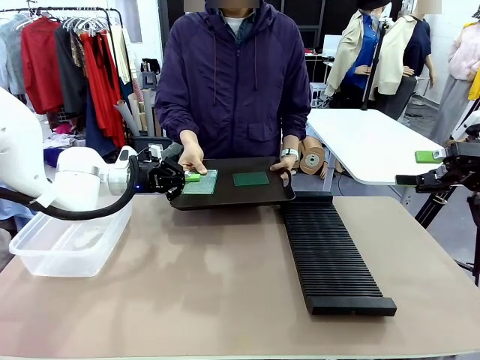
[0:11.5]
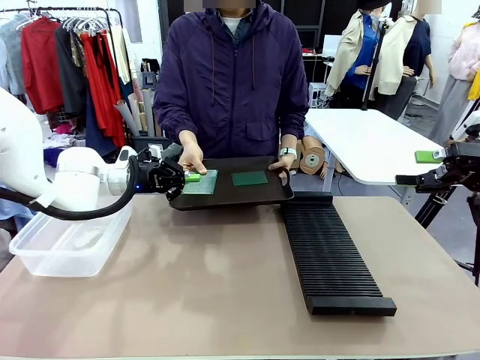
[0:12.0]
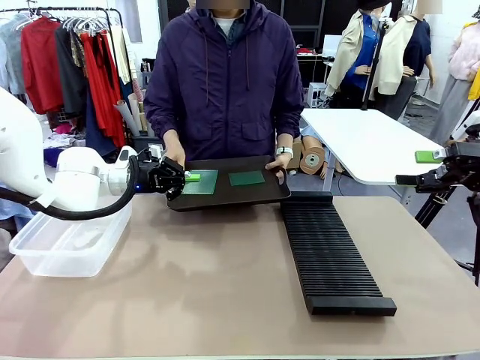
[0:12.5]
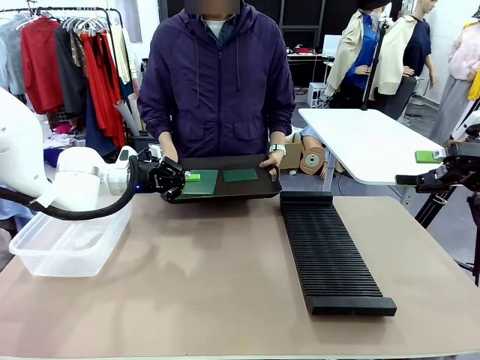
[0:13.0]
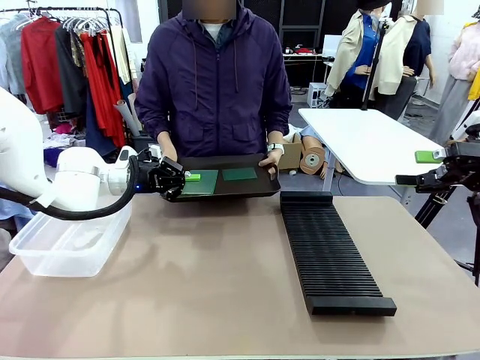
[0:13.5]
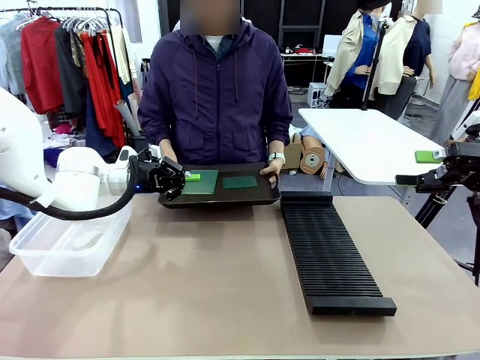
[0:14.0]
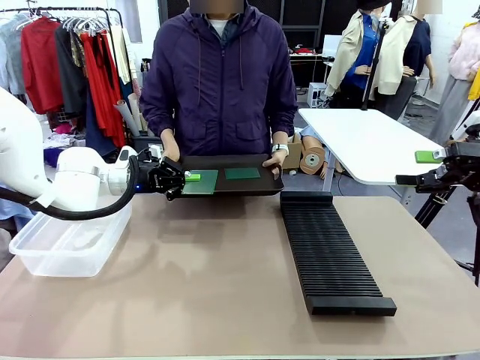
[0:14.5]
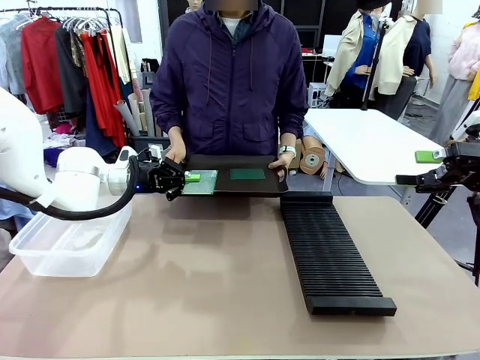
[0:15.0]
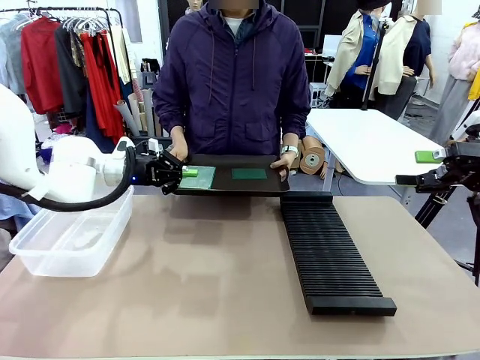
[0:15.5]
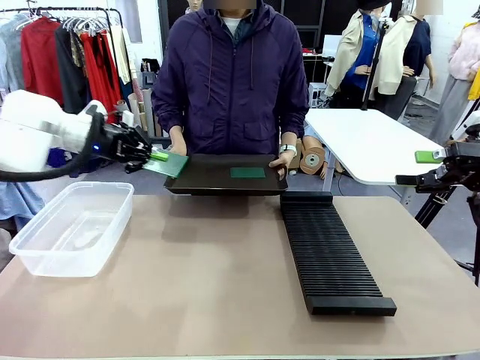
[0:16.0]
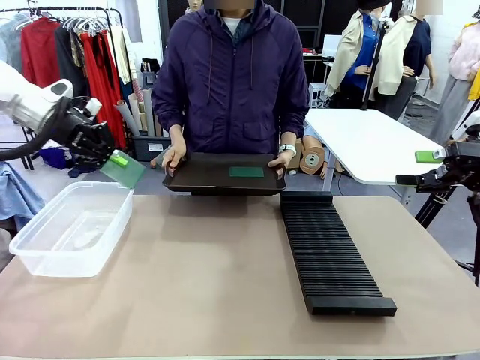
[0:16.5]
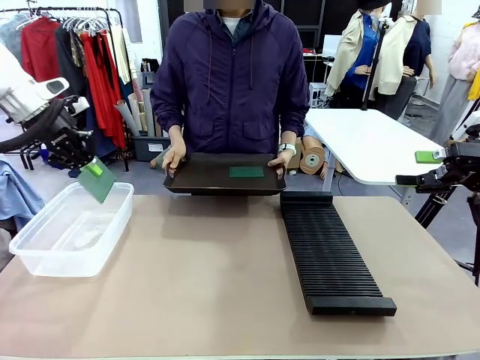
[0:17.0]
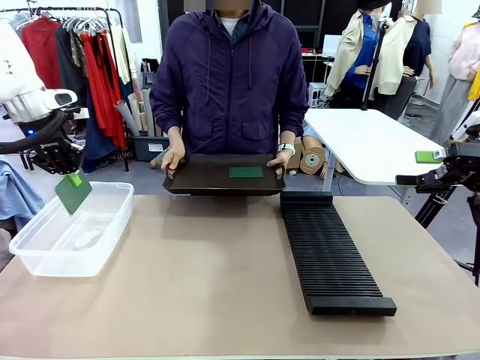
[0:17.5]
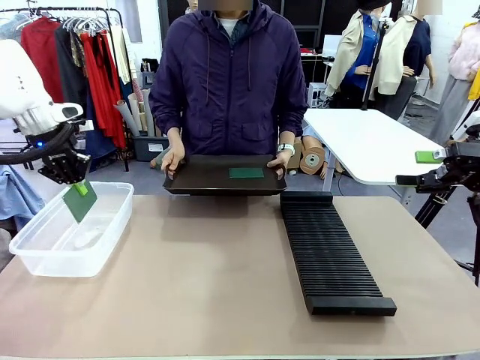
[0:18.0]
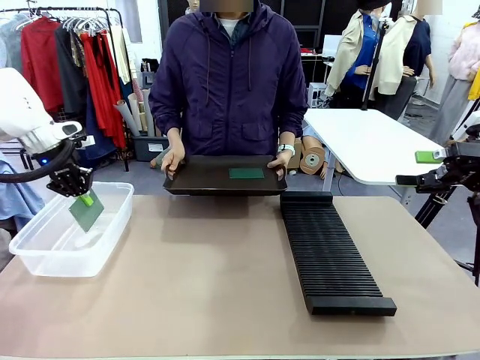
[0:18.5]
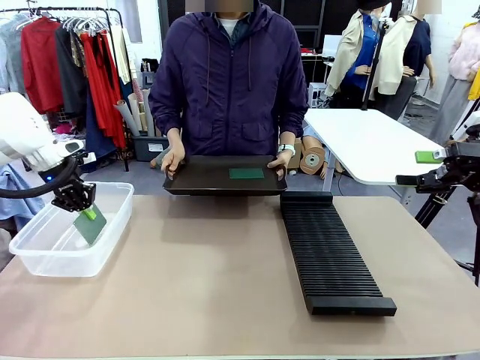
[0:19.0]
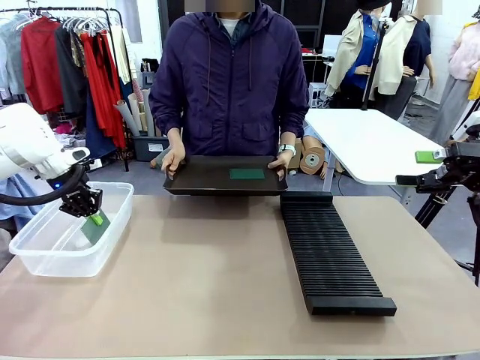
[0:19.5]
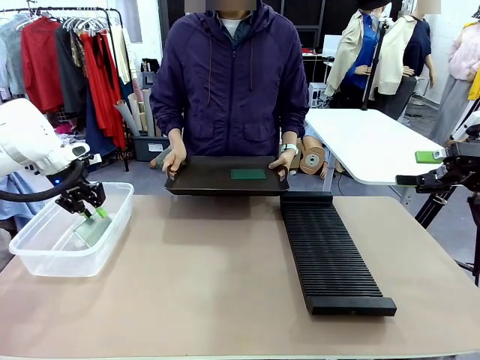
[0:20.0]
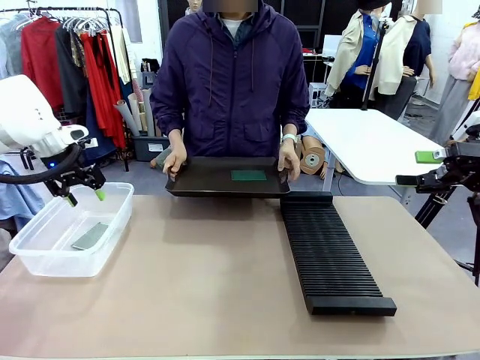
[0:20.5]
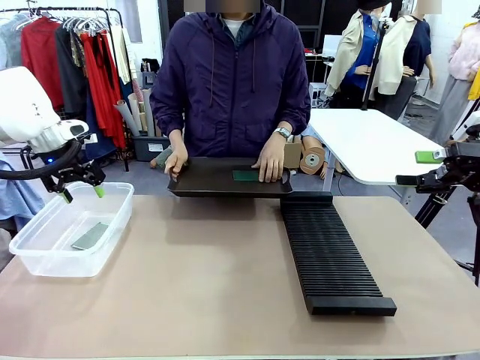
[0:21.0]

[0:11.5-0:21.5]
Task: Sort PCBs into racks and boxes based on the side picked up.
Robot: If the short side of the Blank PCB is picked up, insert it into the PCB Rack ; if the long side is picked up, place it in the Organizing box.
Person: Pick one PCB from the tray and present it to the robot.

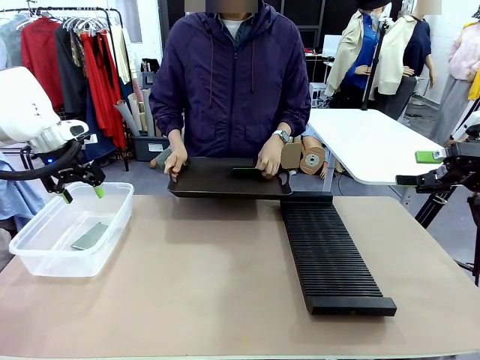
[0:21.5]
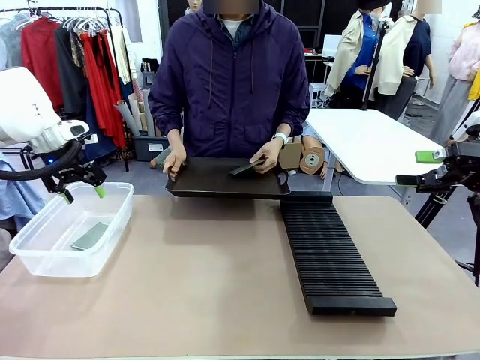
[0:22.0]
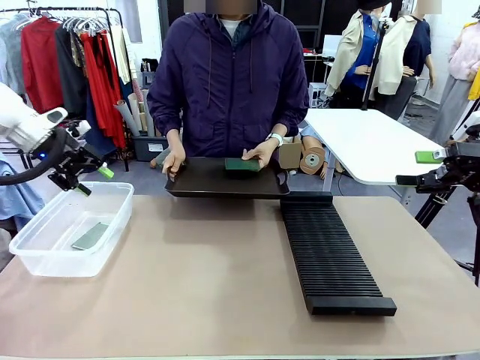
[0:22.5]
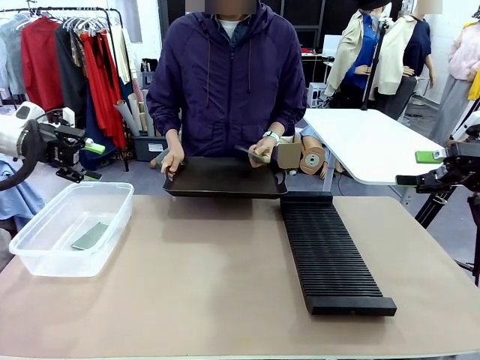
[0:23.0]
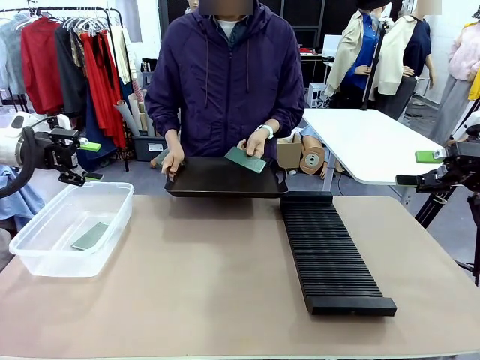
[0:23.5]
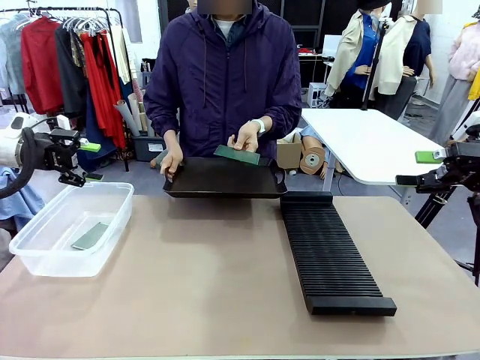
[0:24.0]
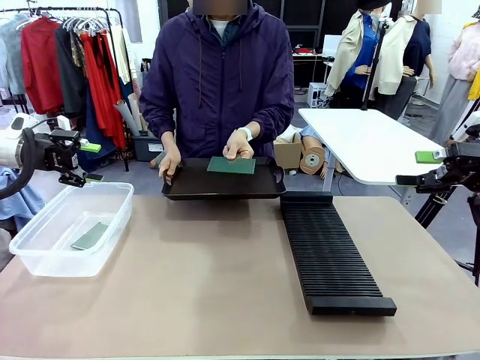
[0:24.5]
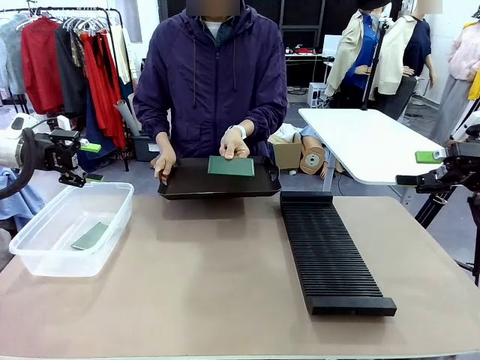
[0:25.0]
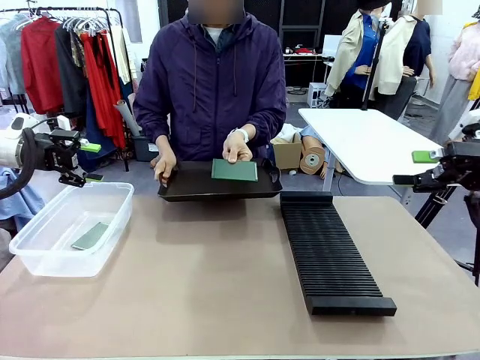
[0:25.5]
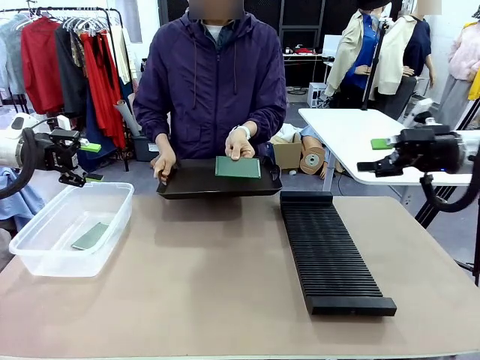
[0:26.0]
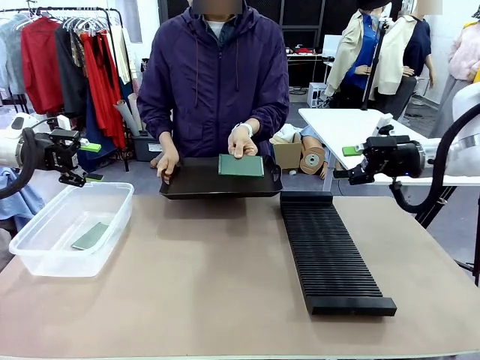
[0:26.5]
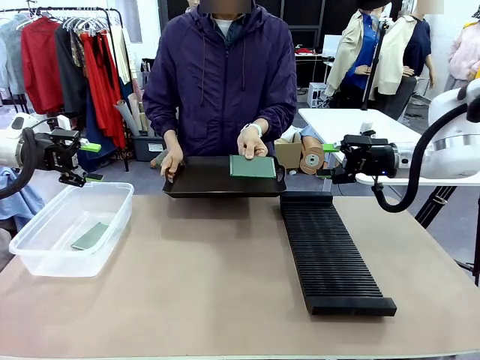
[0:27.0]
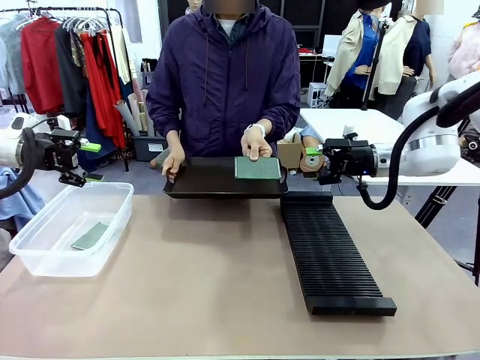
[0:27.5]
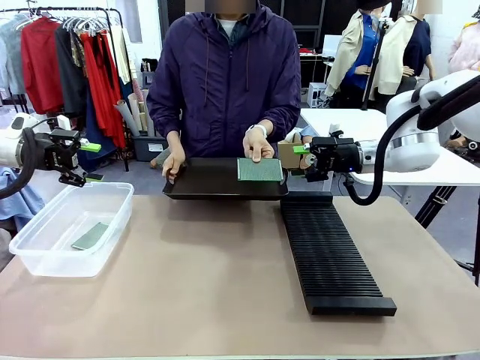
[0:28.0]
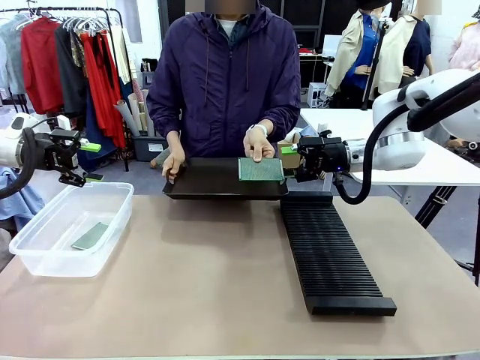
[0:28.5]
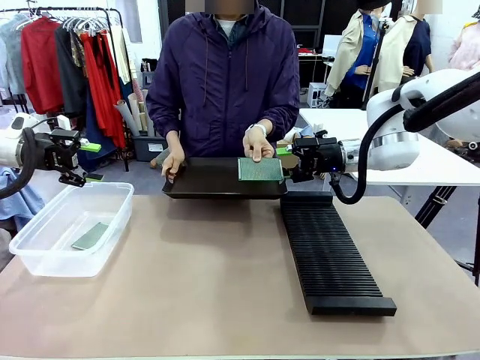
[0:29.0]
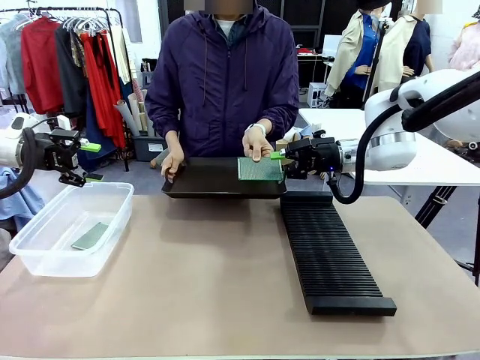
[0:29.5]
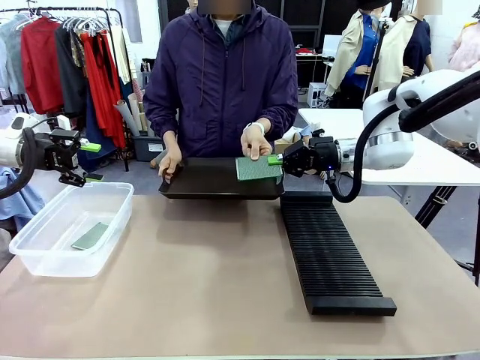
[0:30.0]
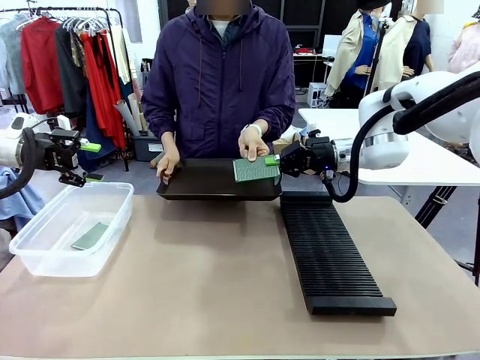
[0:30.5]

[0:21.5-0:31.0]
Robot: Pick up the Blank PCB handed by the Human.

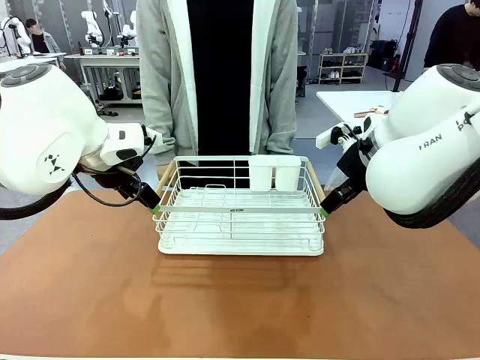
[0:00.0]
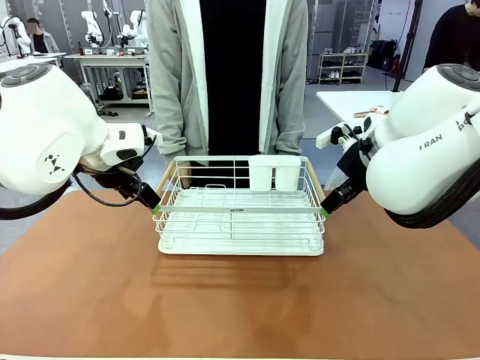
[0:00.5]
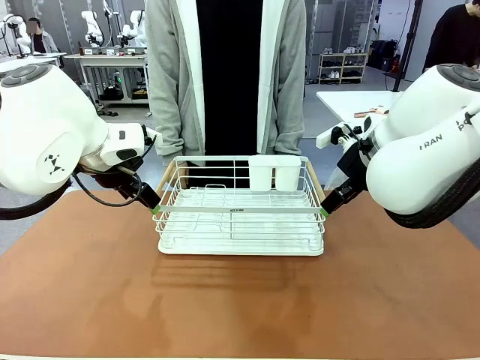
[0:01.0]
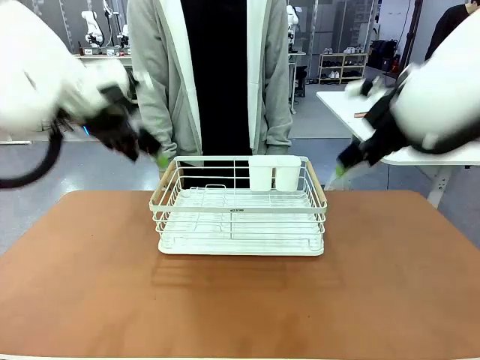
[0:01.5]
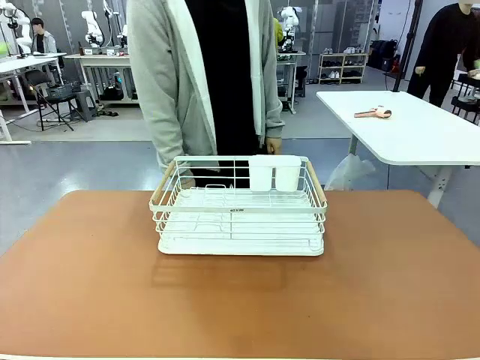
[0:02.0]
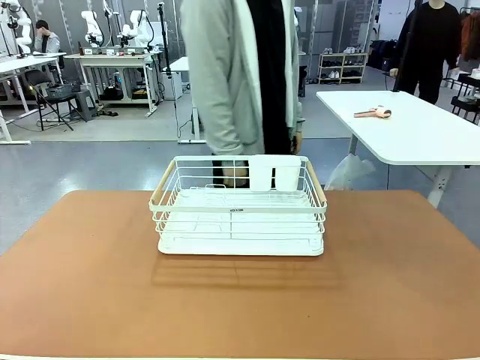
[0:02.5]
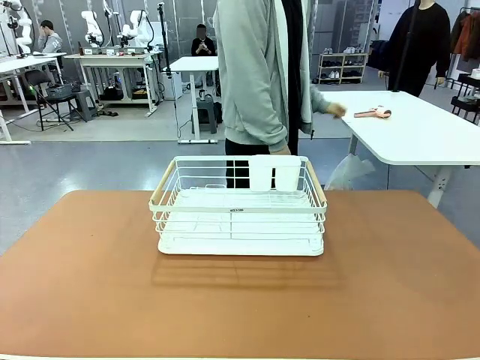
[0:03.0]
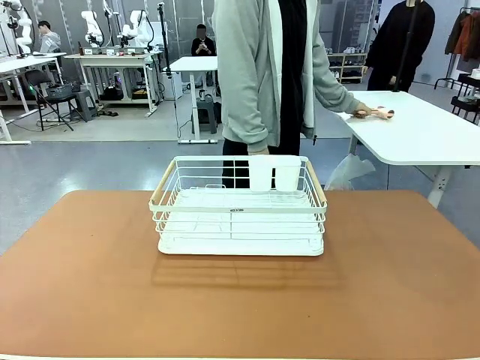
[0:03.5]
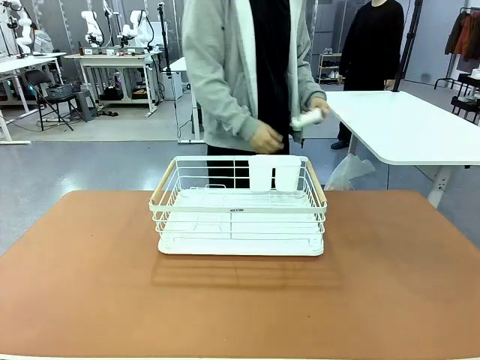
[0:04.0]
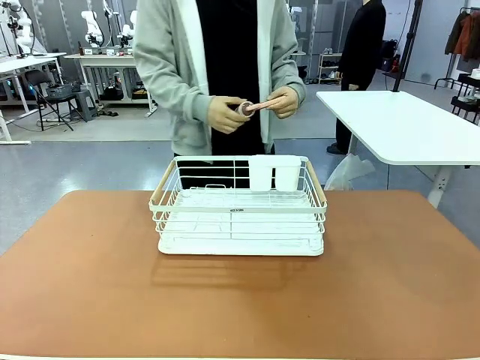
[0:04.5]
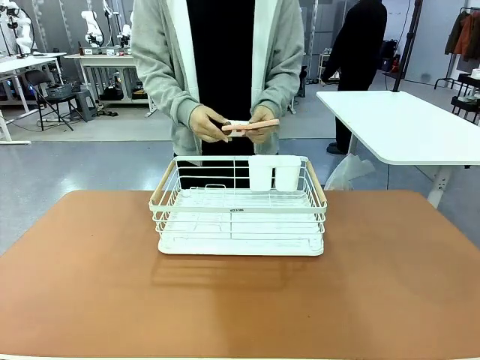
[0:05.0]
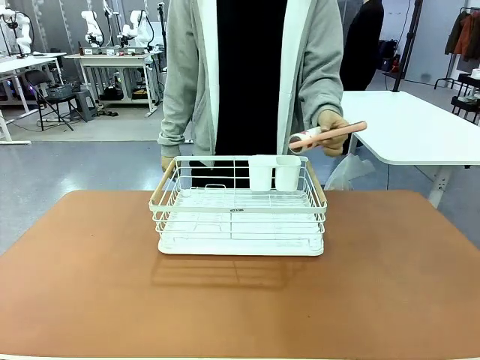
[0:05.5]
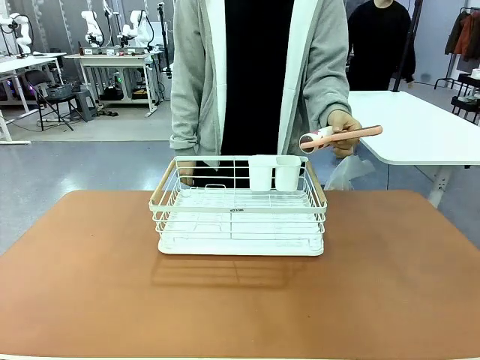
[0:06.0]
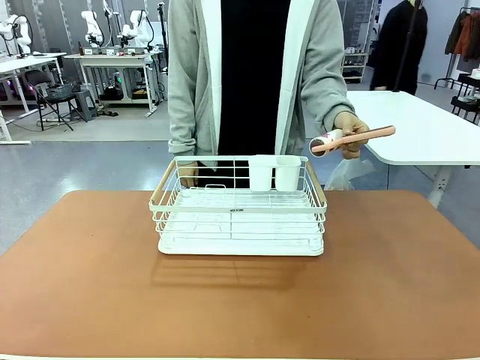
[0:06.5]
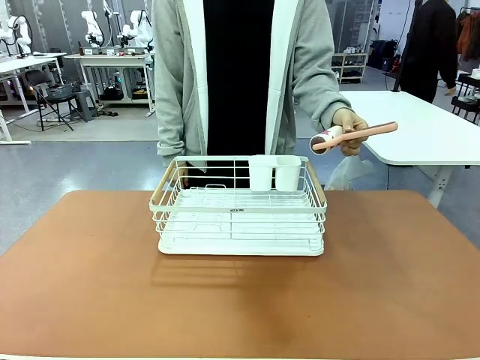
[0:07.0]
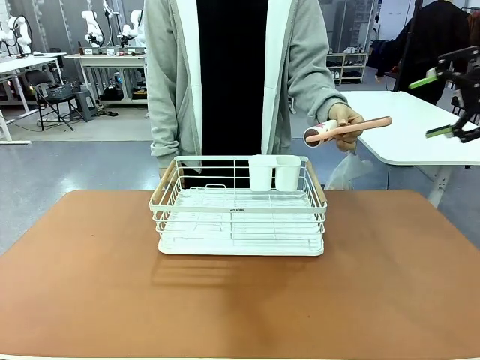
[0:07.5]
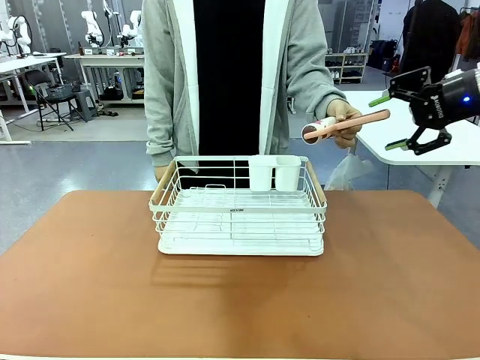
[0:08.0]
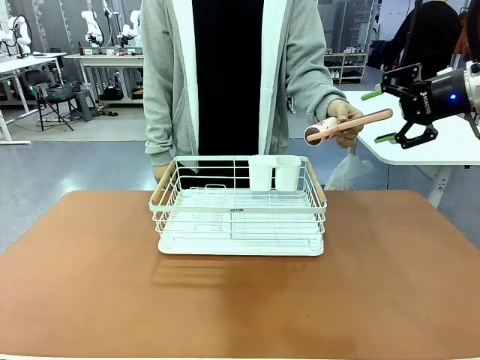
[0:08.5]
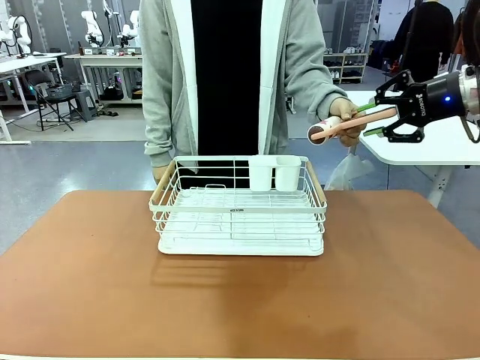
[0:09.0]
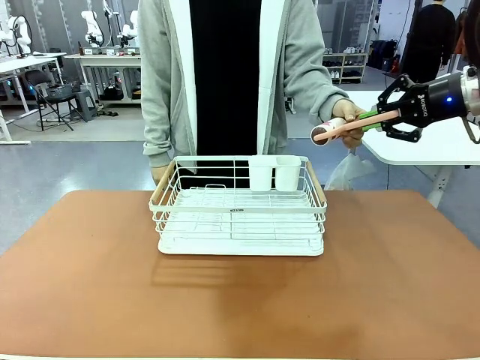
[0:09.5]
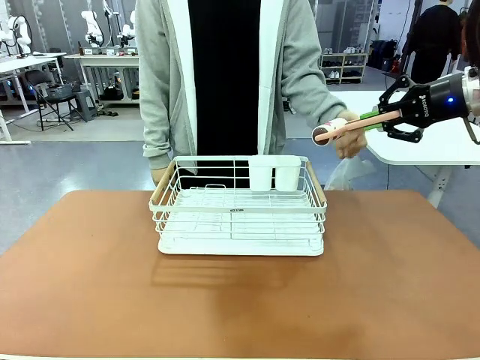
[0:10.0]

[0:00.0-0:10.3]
Task: Clean the table.
Robot: Pick up the Lint Roller when the human hands it over.
Person: Hand the Lint Roller to the robot so it can easily pick it up. Lift the Dish drying rack.
